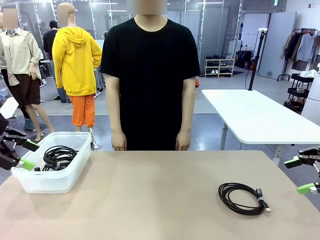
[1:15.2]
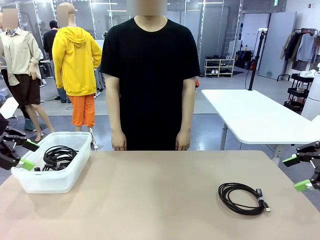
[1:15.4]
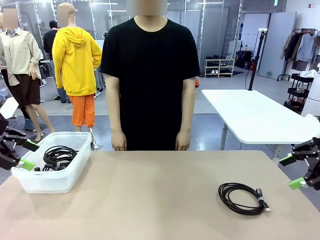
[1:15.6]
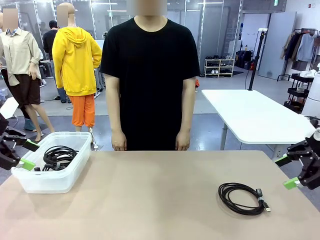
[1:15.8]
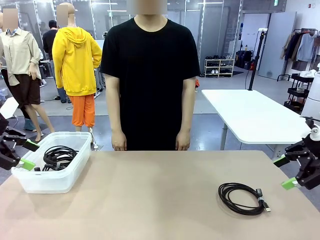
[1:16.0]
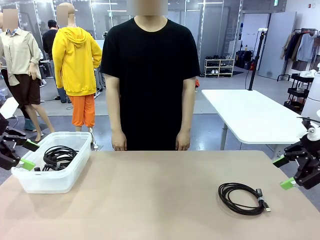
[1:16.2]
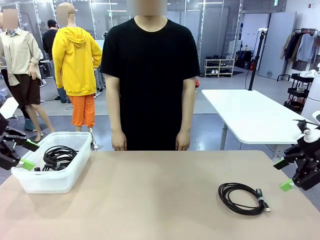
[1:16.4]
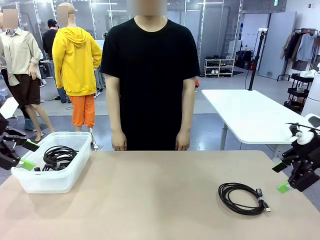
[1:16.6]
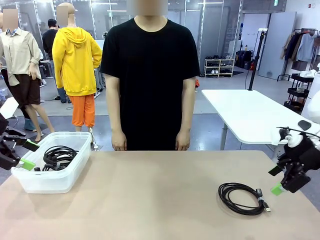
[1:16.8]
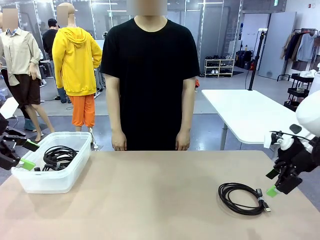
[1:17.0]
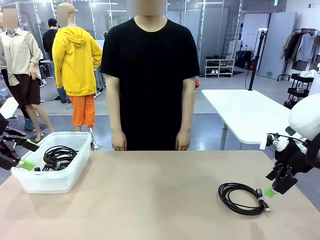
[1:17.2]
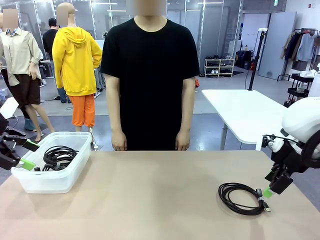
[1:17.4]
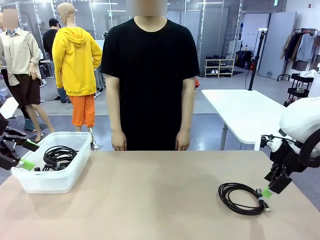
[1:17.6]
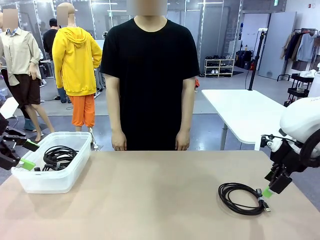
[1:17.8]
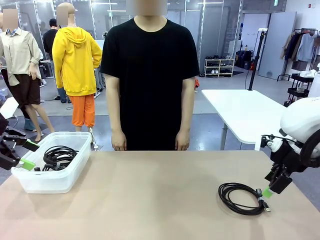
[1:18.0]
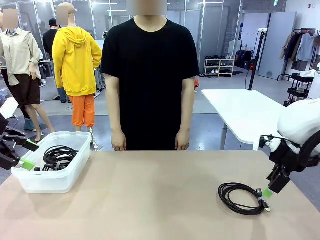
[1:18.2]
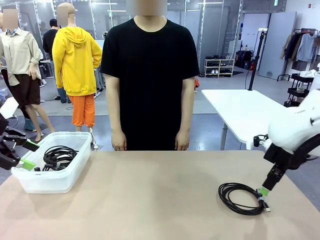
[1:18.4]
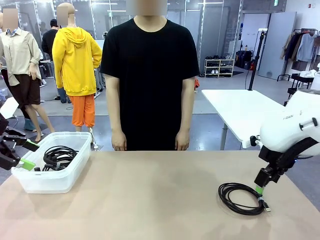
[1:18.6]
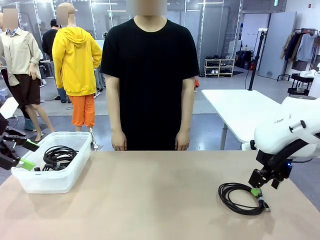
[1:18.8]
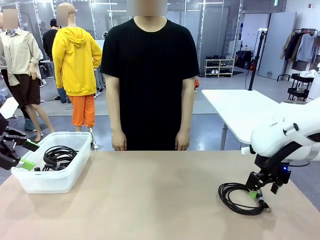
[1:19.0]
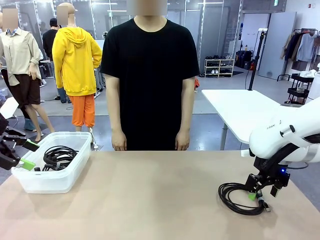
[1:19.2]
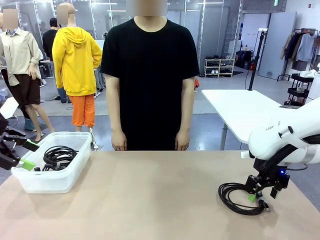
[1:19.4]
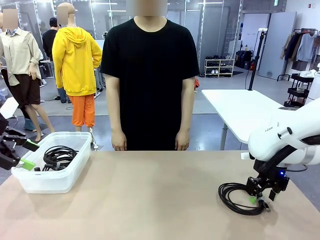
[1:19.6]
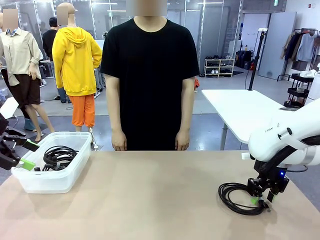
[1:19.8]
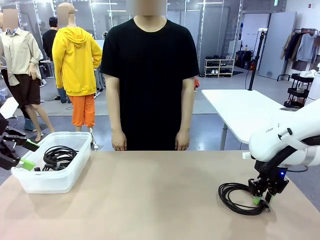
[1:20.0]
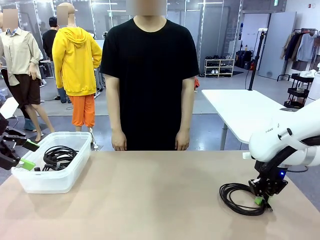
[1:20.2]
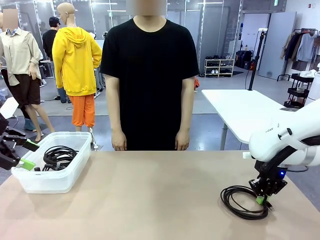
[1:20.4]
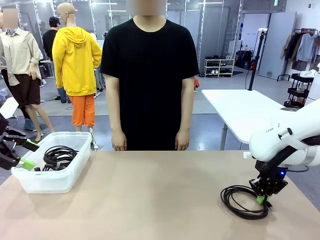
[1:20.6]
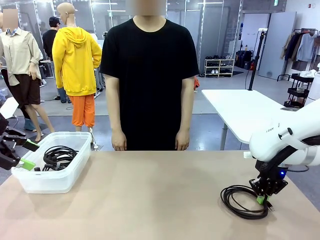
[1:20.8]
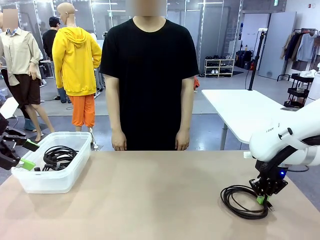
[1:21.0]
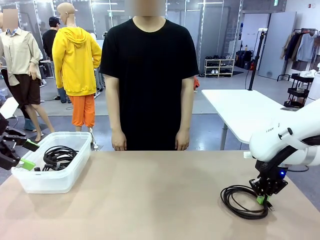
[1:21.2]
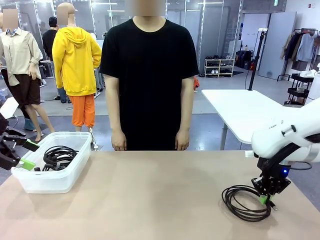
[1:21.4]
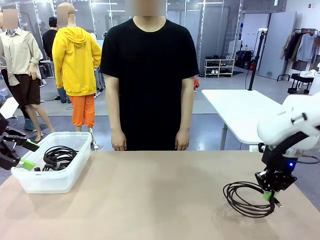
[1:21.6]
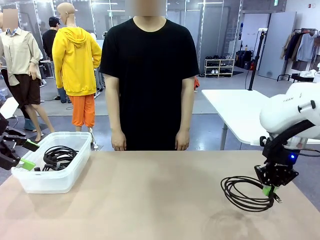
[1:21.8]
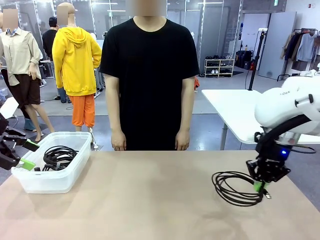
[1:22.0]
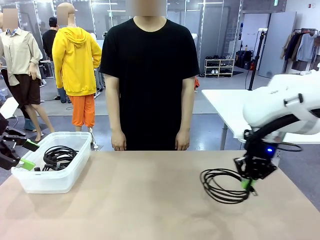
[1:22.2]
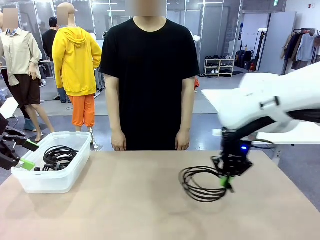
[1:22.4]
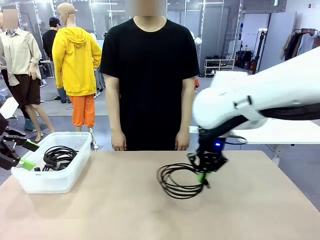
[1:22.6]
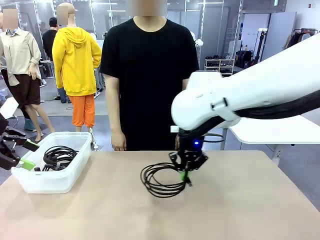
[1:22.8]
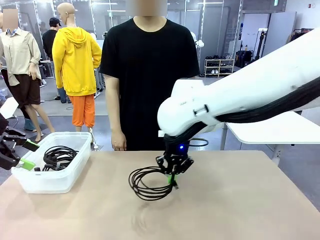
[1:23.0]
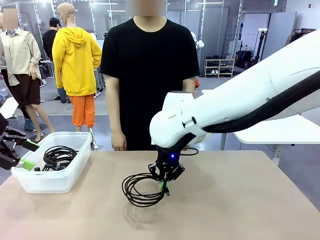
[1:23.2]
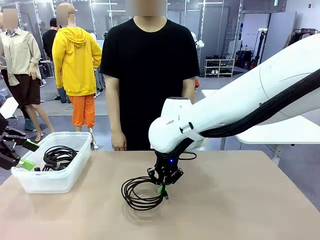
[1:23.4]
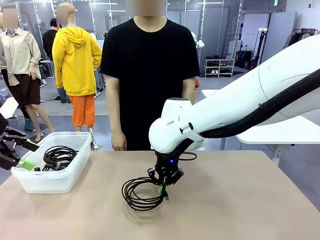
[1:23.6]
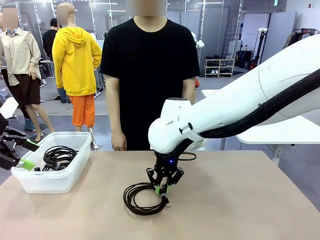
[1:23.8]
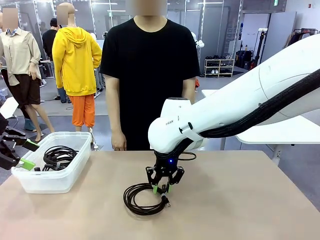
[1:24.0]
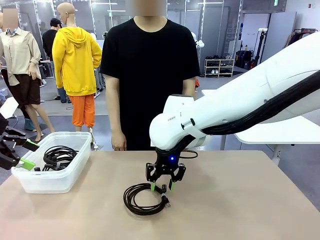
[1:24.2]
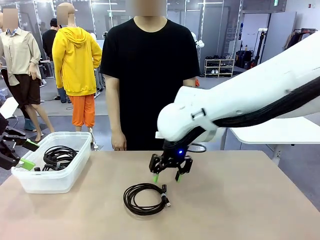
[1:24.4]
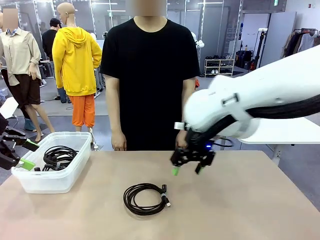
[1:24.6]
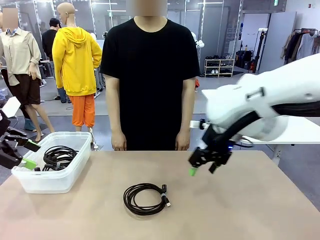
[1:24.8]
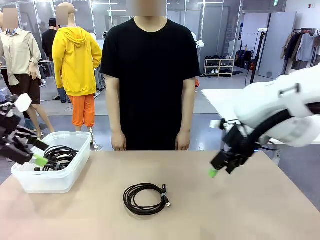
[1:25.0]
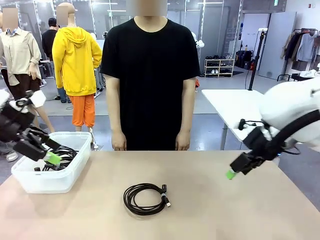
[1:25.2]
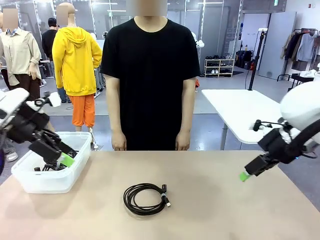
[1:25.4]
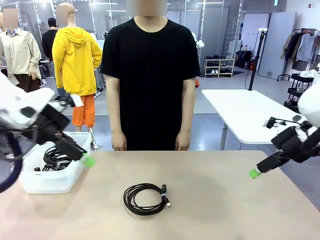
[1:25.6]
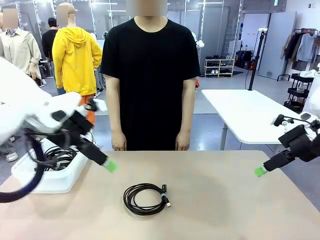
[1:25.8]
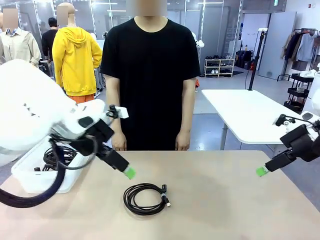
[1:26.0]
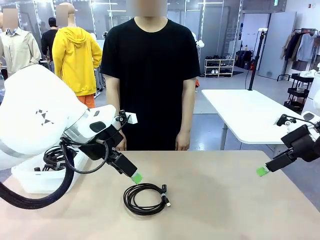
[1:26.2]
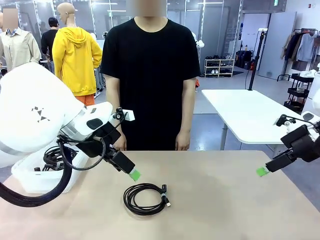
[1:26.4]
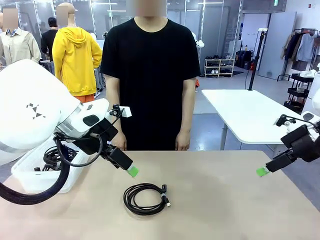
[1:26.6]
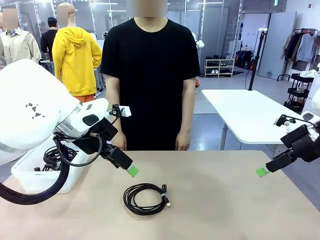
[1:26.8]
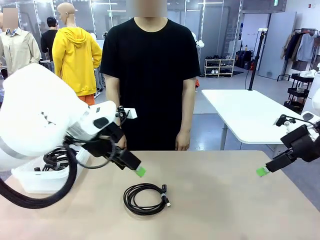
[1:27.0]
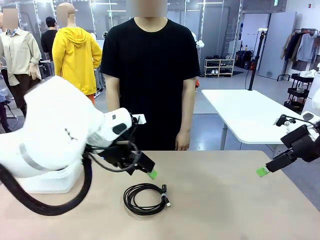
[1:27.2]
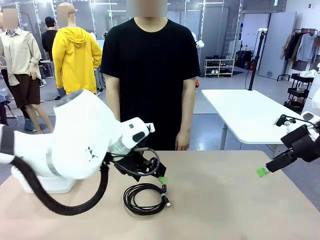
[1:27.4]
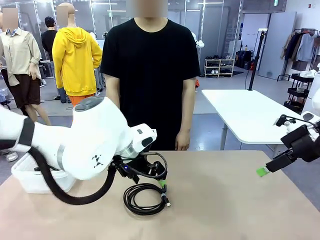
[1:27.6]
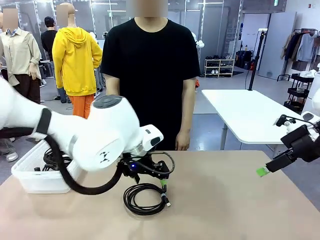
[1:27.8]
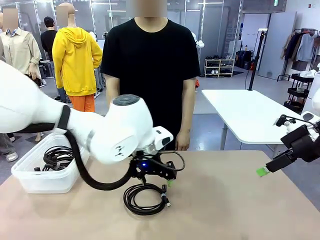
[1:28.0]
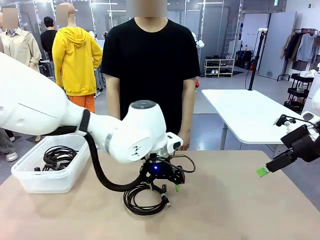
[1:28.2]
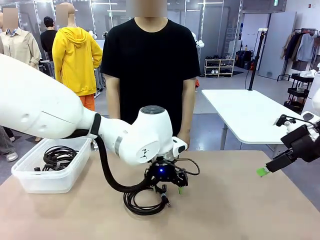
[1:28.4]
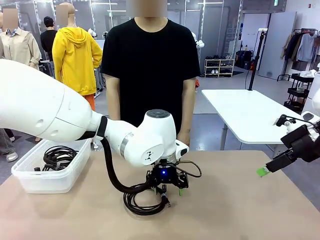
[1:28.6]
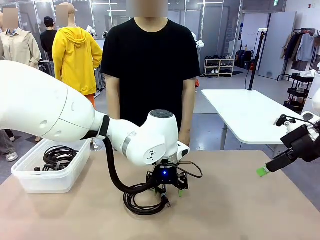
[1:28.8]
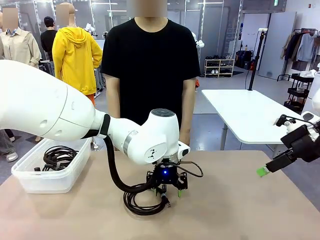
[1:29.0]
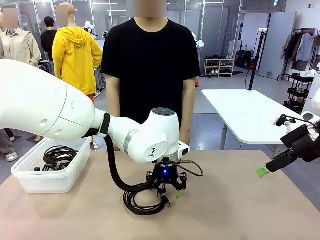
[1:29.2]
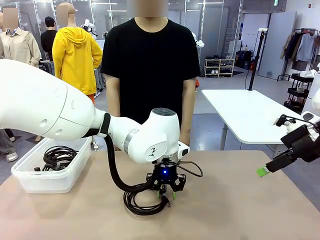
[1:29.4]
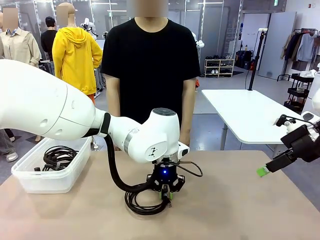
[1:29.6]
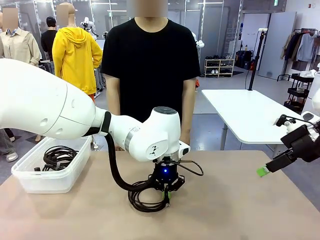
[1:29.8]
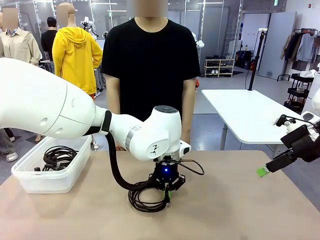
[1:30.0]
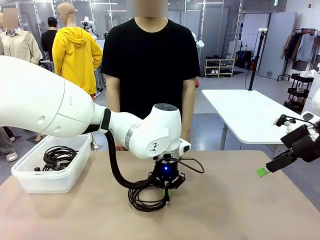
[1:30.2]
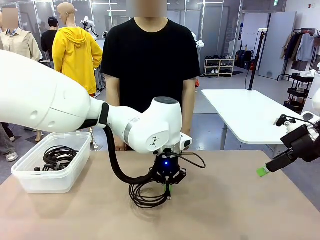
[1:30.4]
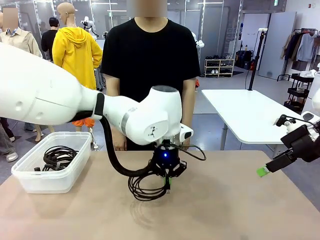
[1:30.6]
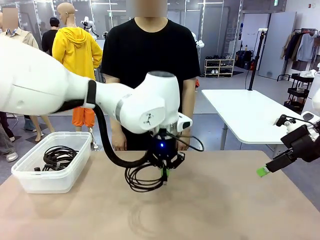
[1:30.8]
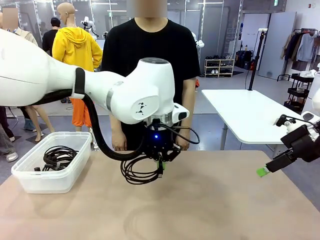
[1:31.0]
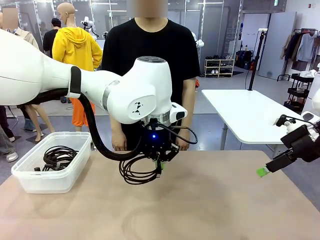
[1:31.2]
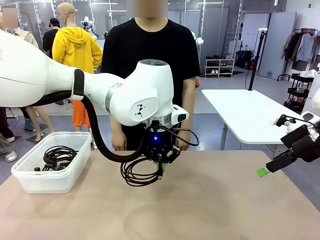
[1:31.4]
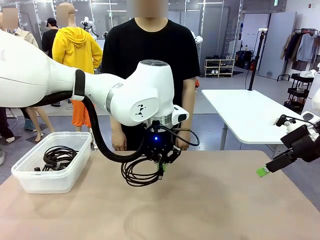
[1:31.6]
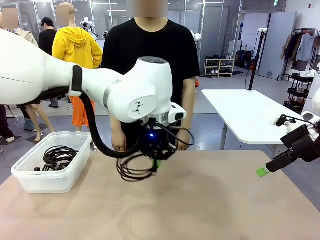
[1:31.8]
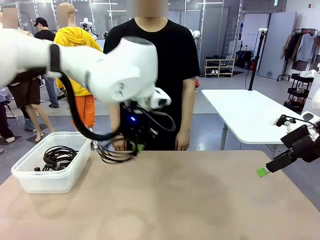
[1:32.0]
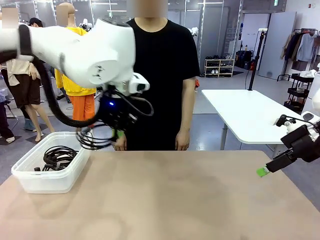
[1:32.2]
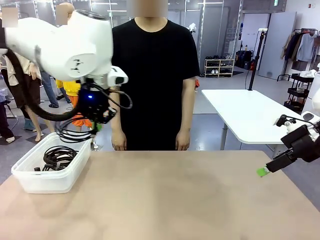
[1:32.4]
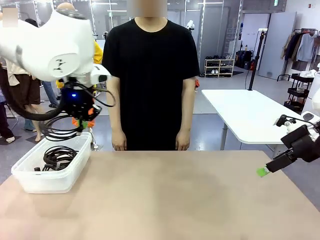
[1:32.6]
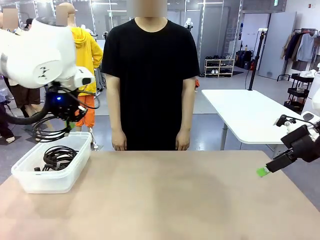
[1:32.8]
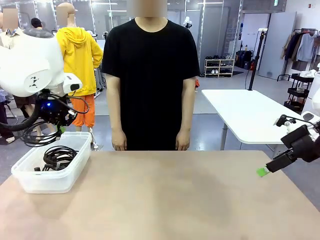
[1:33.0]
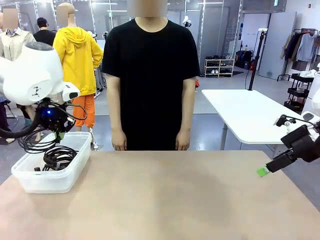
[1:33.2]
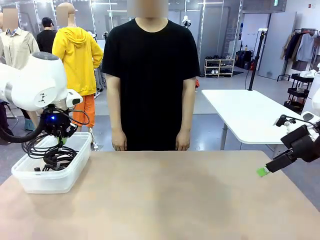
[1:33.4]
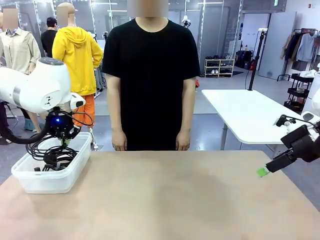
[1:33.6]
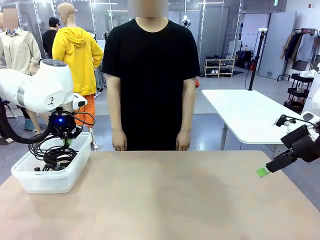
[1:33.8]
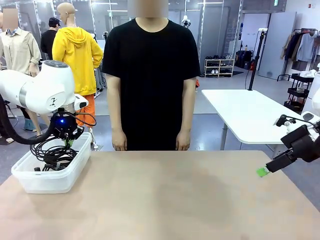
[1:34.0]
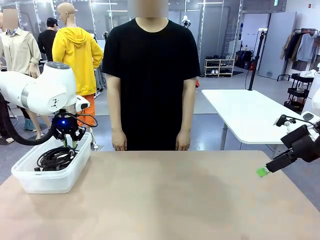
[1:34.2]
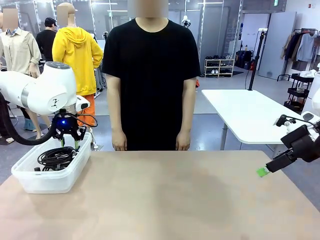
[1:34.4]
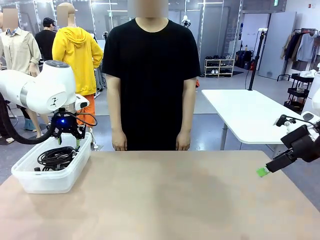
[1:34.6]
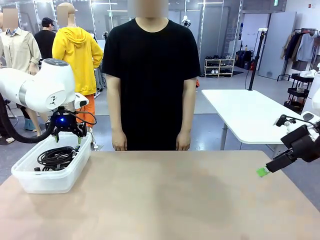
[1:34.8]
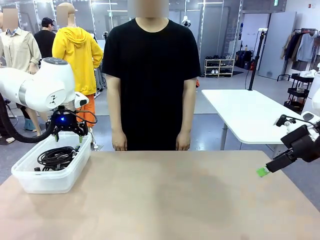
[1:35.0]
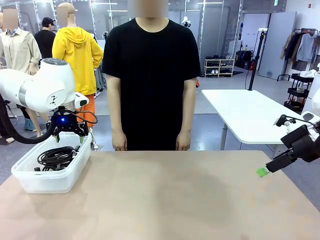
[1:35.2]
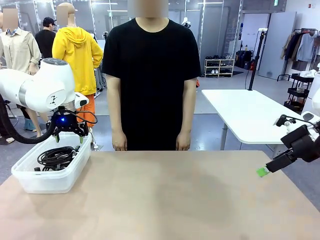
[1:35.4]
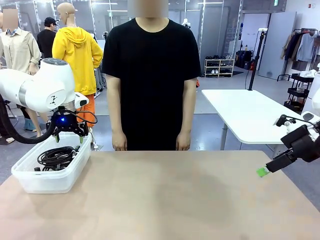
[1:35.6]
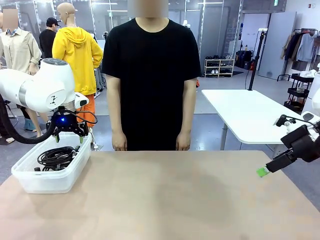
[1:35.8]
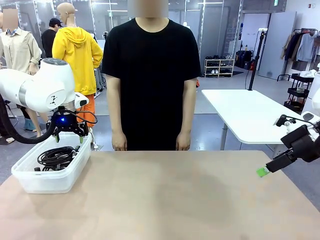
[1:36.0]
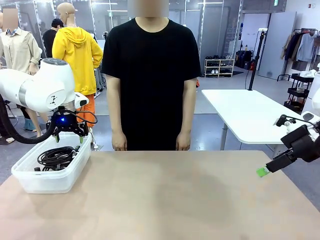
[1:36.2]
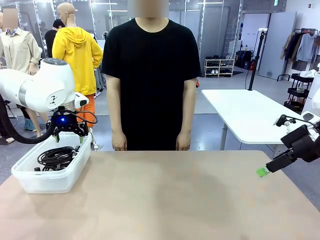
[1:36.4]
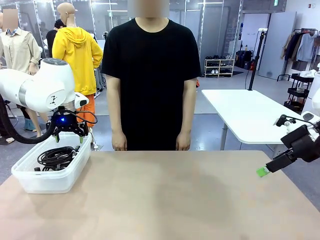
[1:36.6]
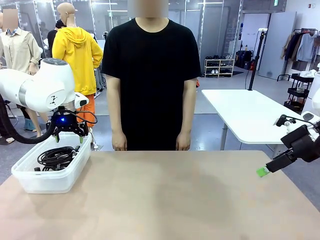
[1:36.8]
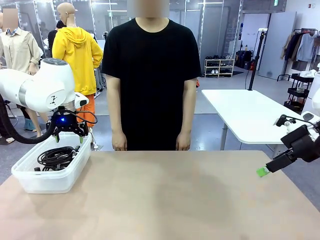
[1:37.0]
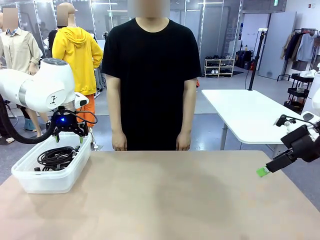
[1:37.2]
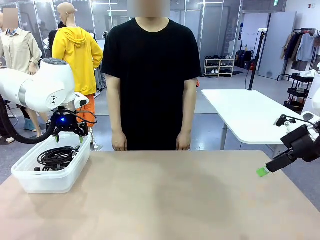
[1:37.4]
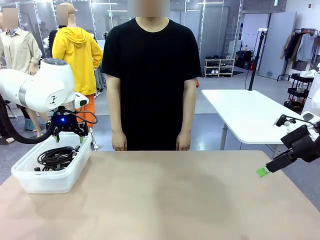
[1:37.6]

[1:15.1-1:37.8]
Task: Organize and store the cables.
Robot: Place the USB Extension Cable into the Organizing box.
